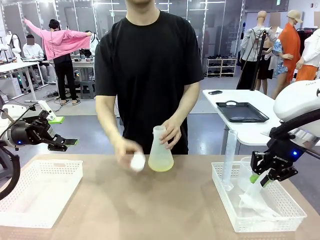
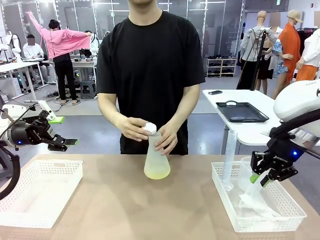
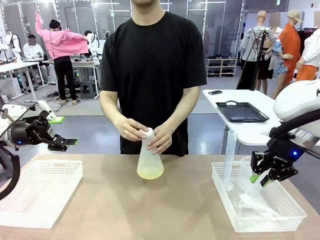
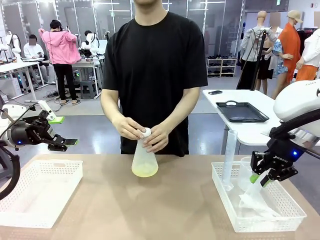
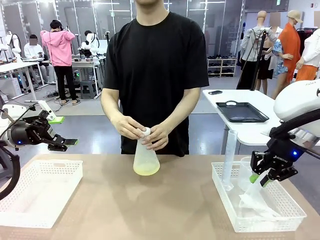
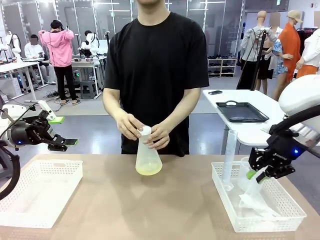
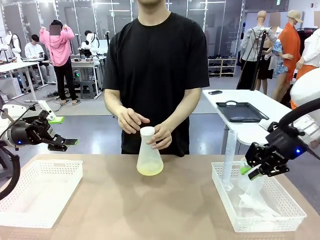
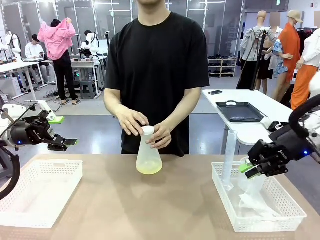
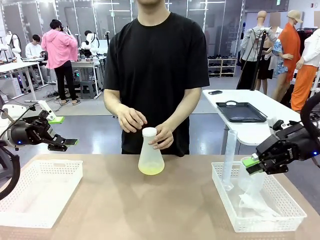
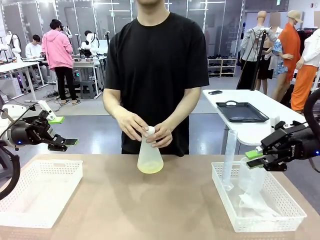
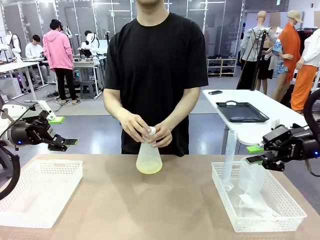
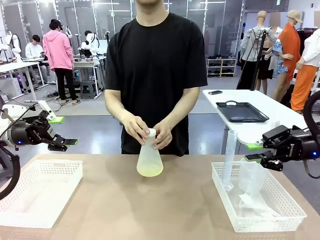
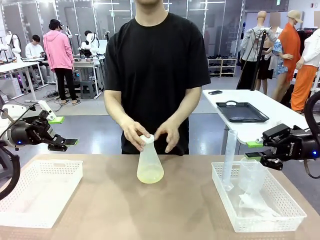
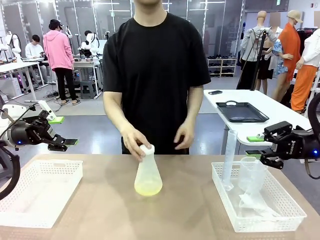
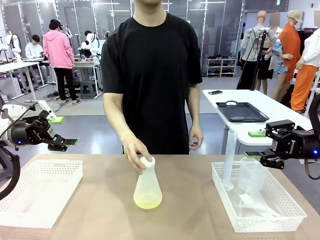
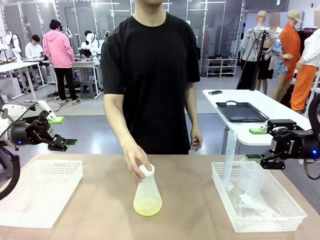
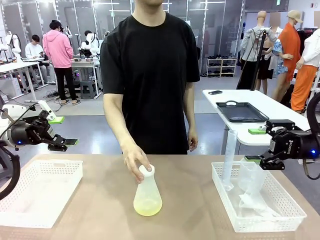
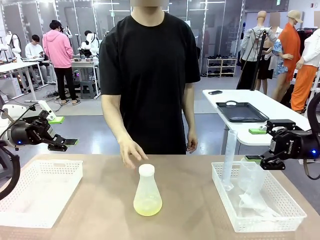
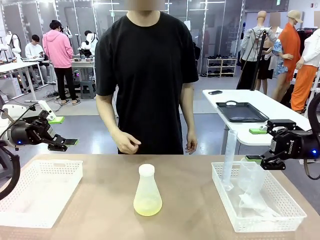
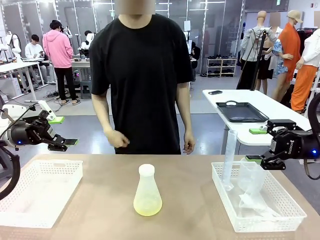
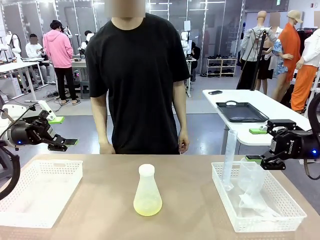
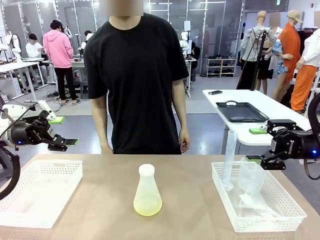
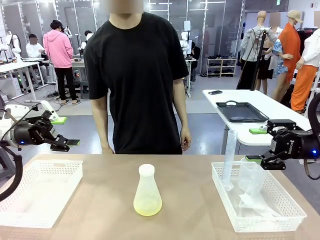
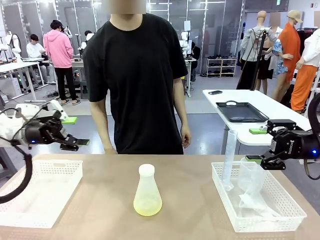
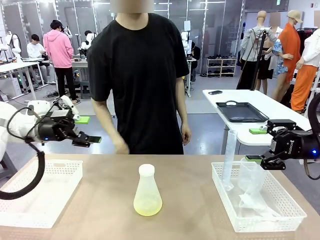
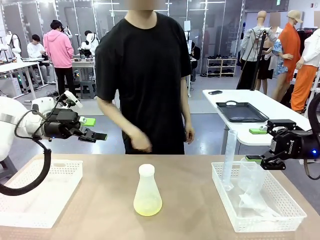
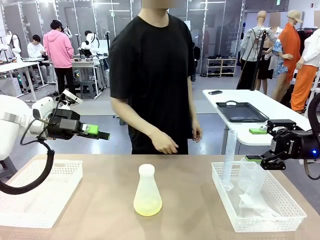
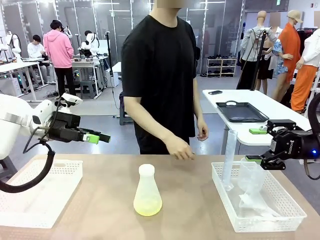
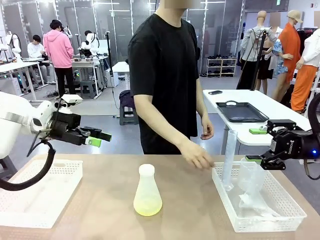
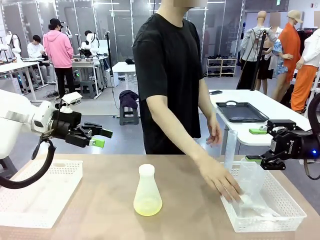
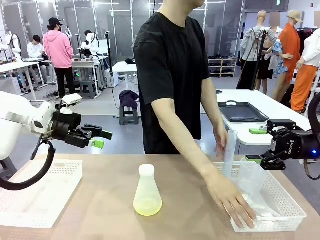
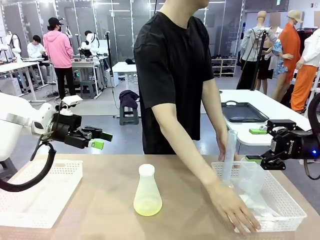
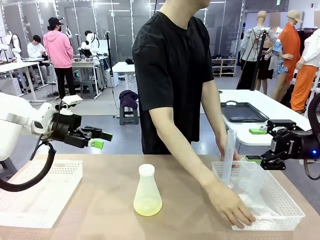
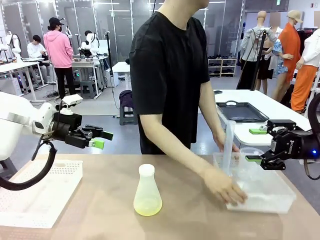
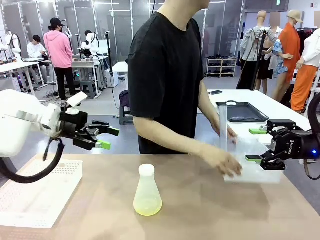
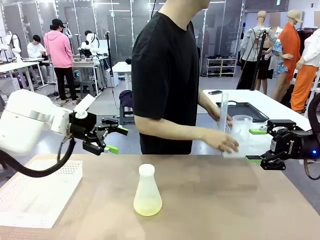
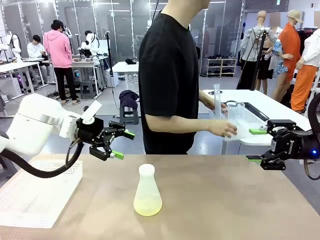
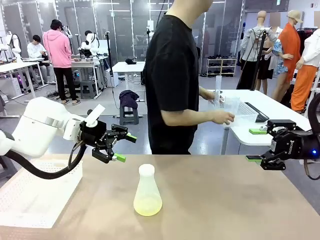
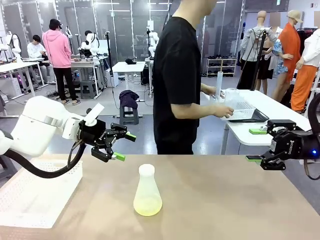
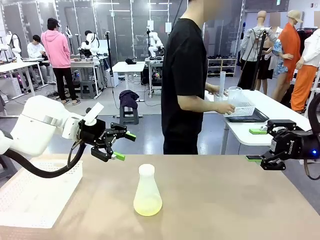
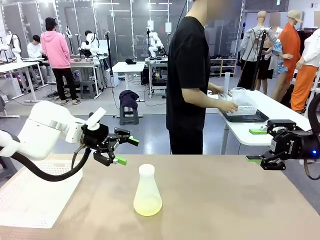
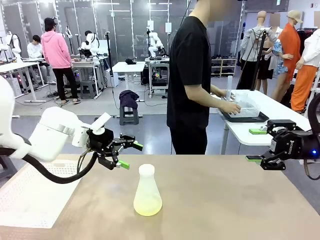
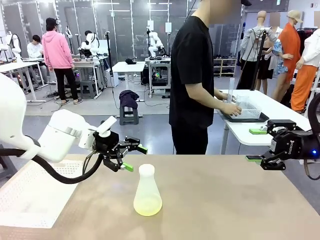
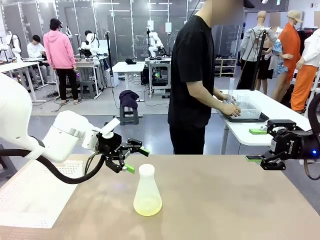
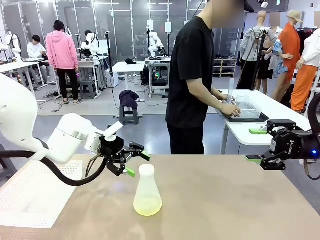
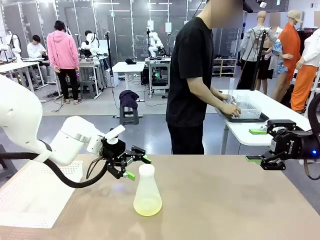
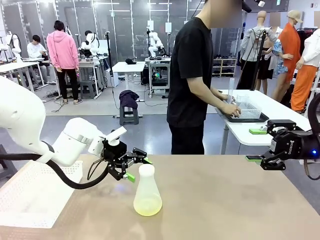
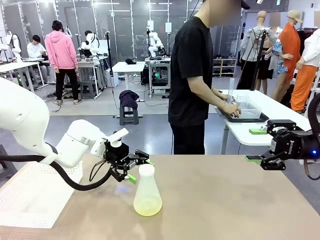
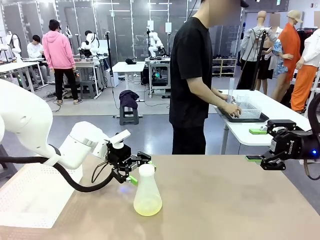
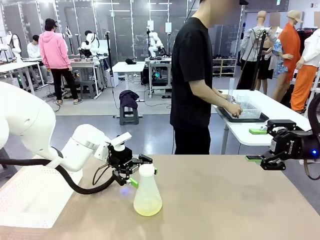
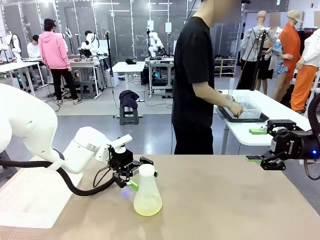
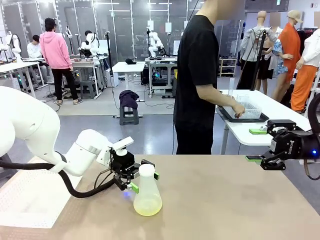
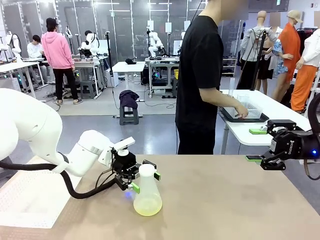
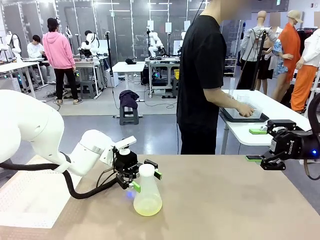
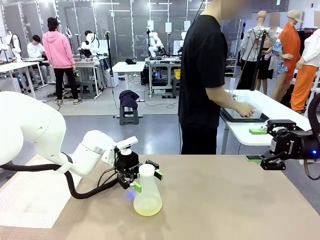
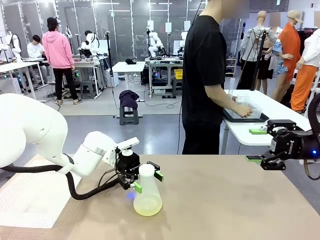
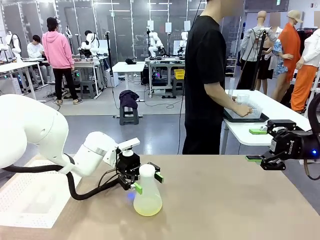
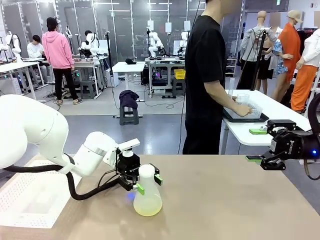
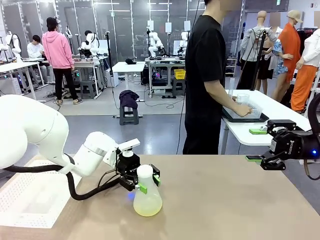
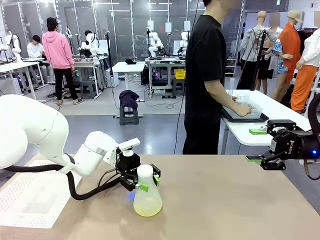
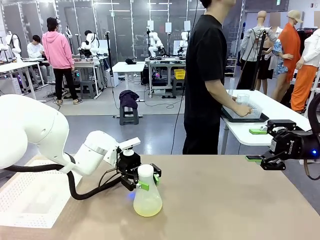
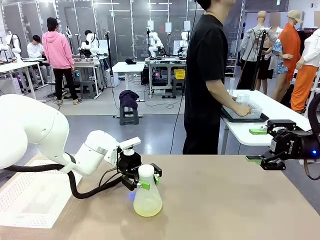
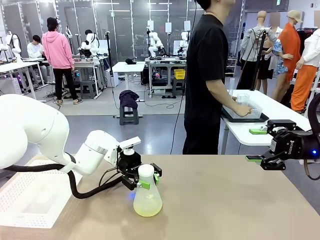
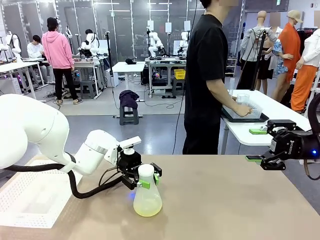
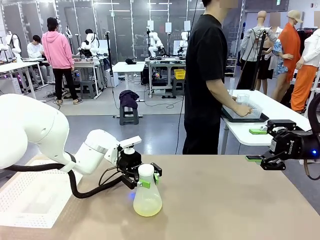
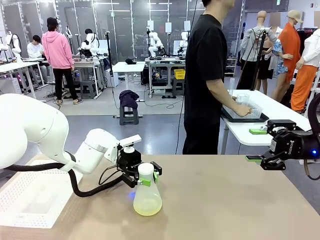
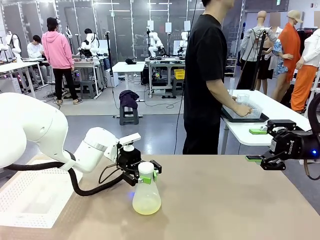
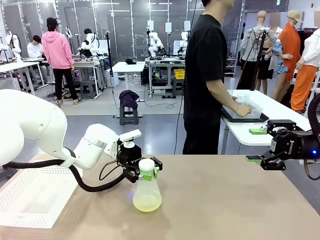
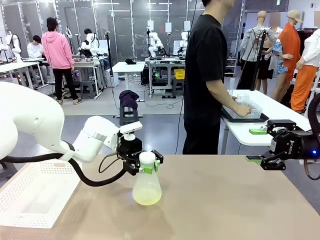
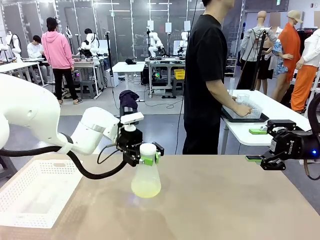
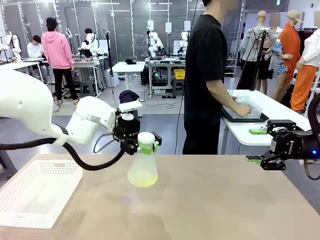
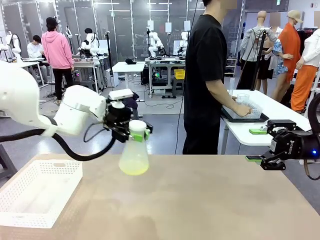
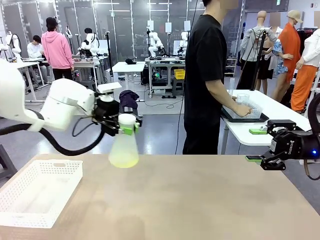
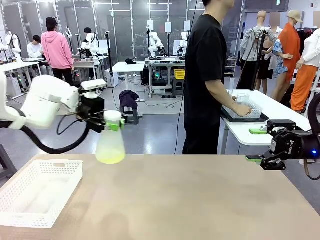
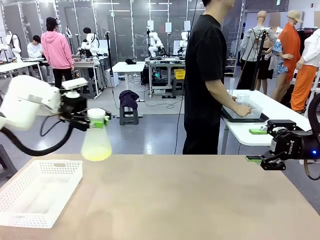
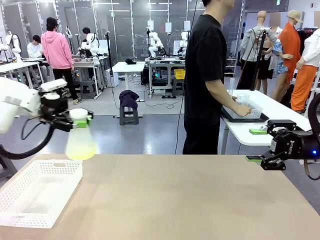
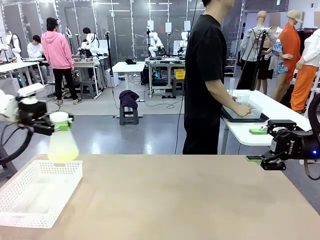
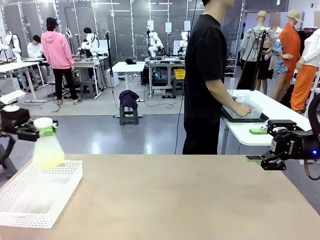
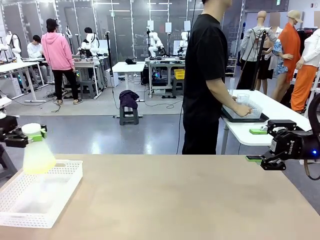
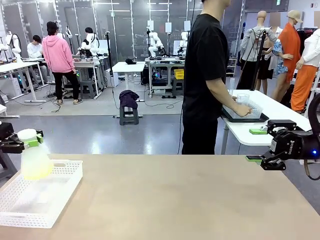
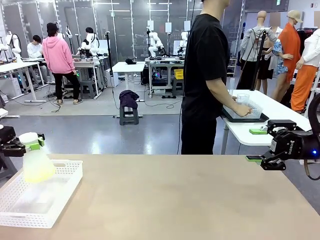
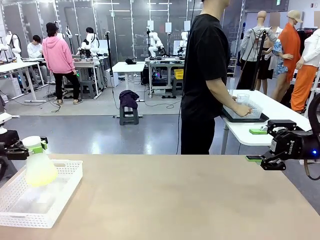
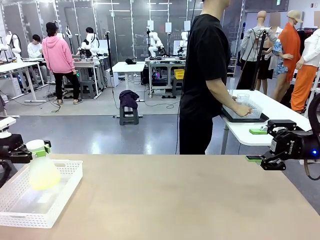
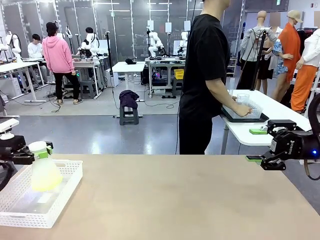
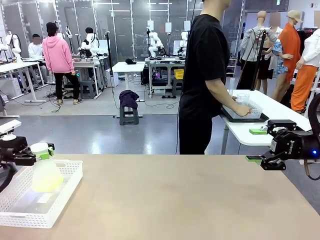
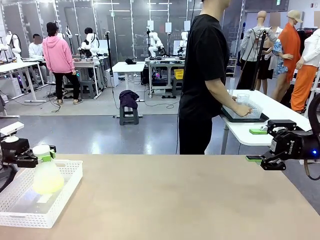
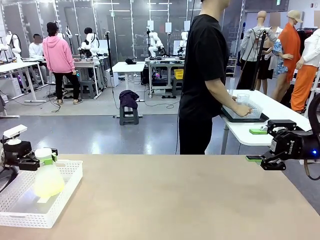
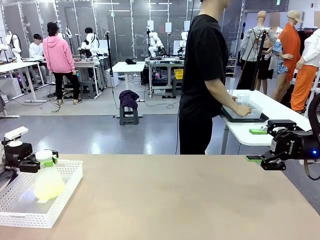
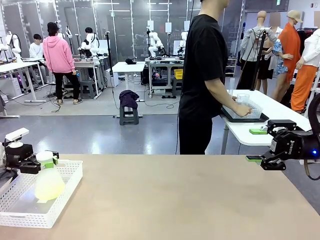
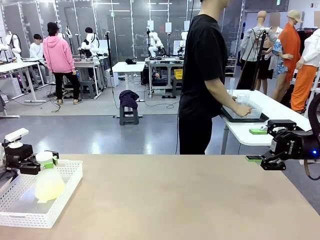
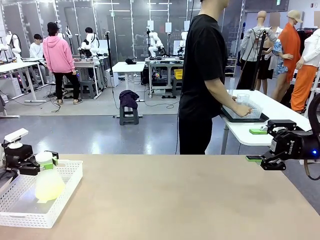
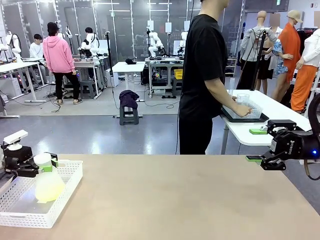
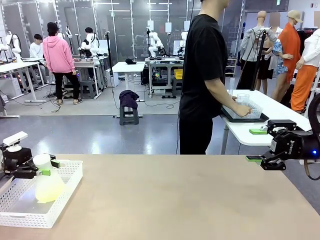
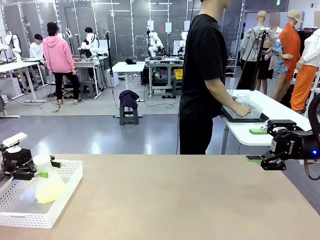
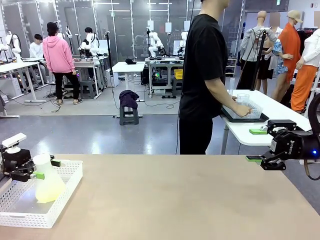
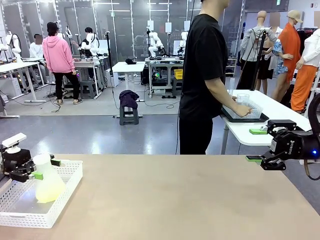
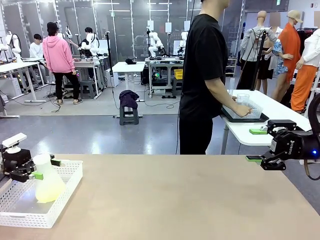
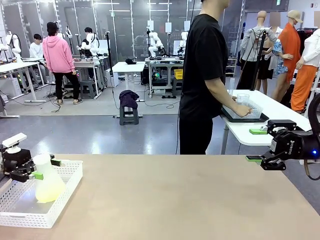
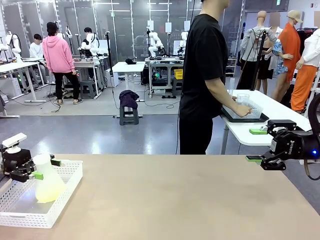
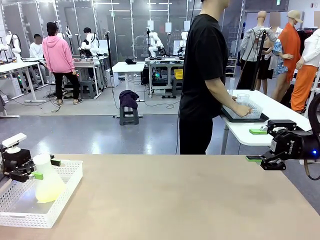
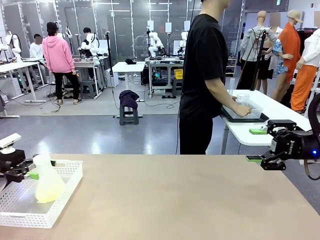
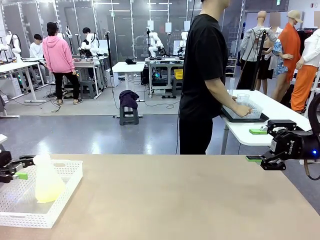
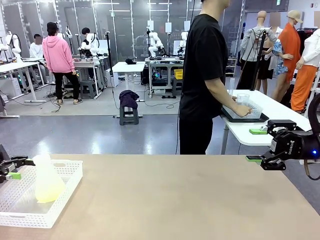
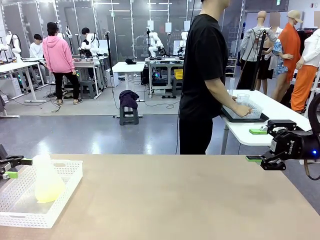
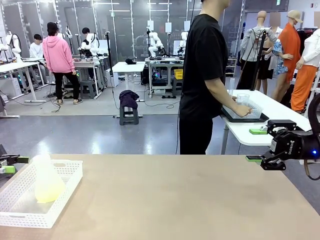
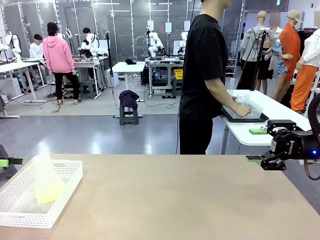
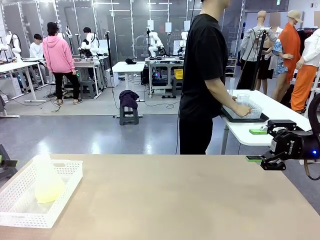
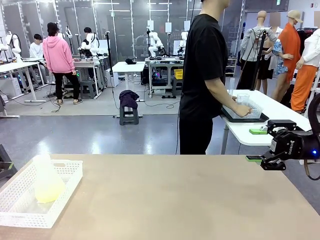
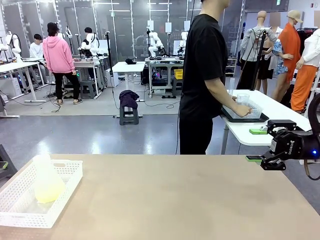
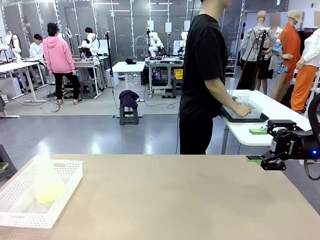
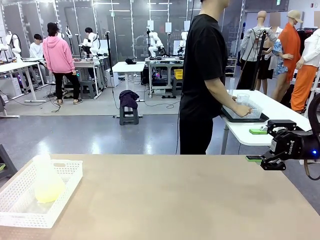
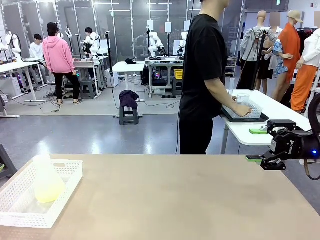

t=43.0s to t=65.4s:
Task: Prepare the solutions needed for the experiment.
Robot: When the human places the Big flask in the center of the table, pick up the Big flask and place it in the left Organizing basket.
Person: Pick up the organizing basket on the left side of the robot table and place it on the left side of the human table.
